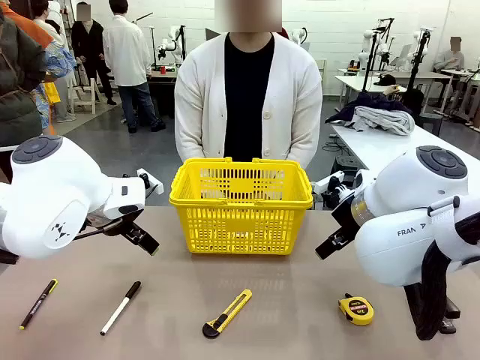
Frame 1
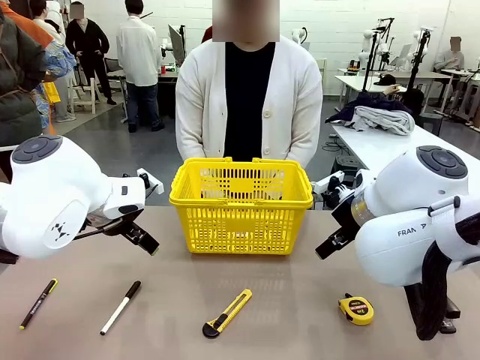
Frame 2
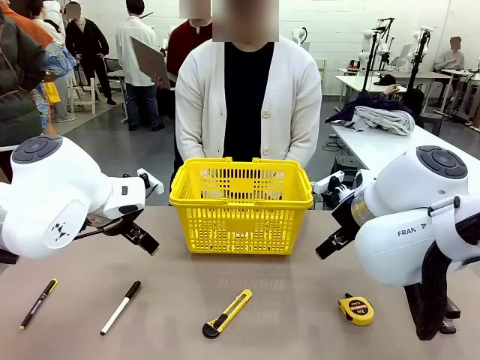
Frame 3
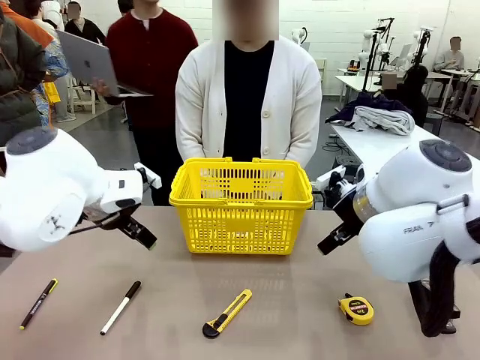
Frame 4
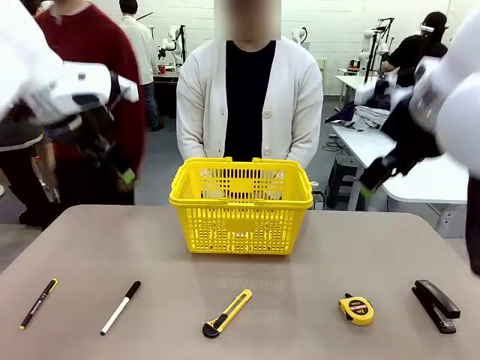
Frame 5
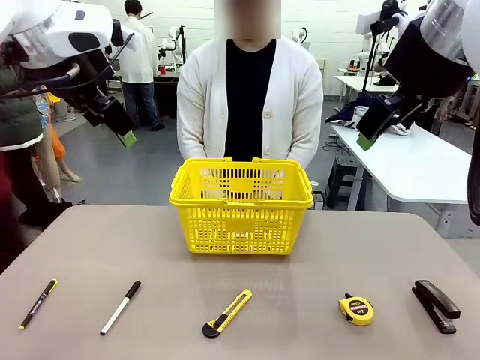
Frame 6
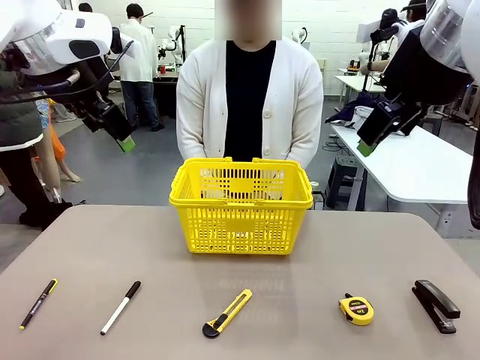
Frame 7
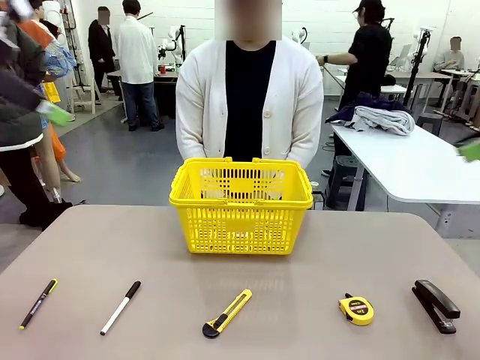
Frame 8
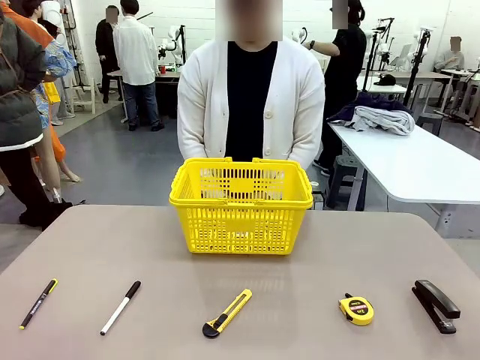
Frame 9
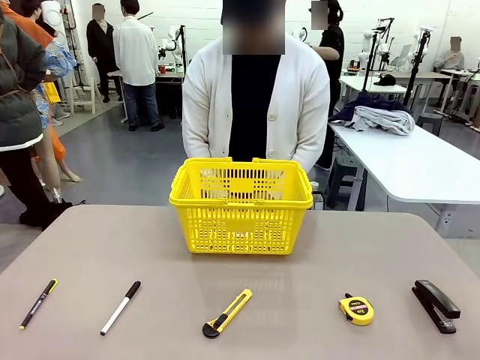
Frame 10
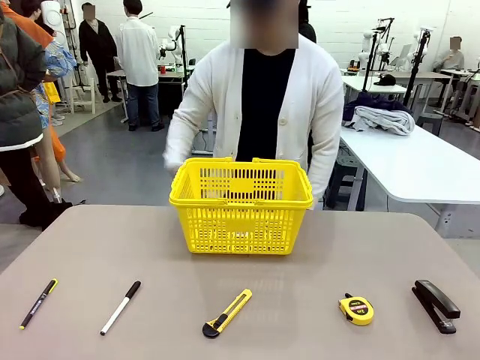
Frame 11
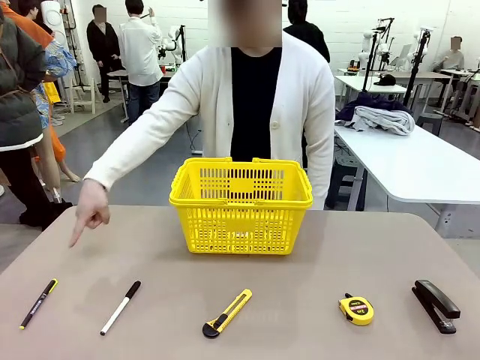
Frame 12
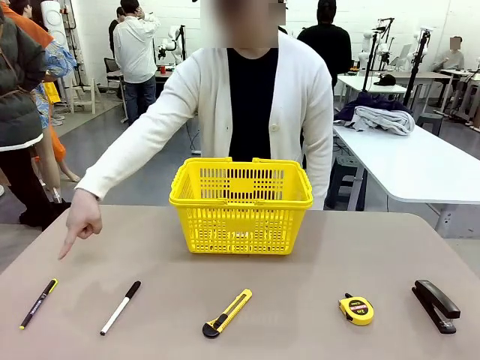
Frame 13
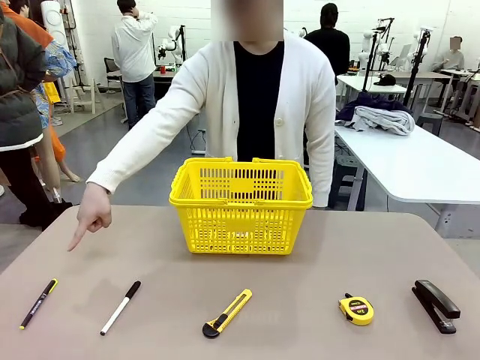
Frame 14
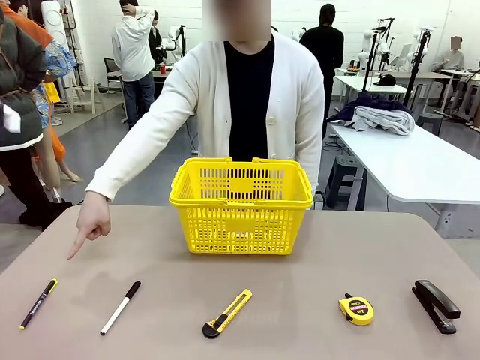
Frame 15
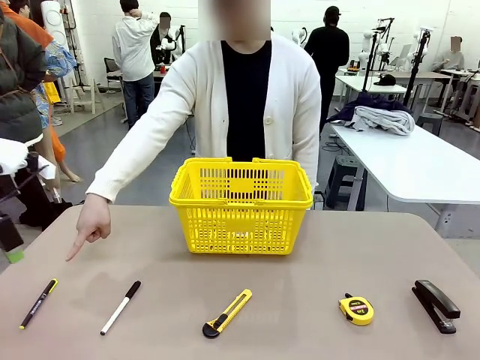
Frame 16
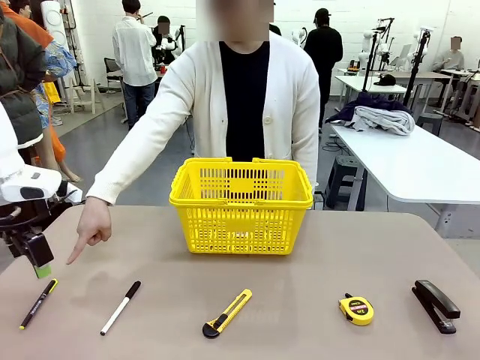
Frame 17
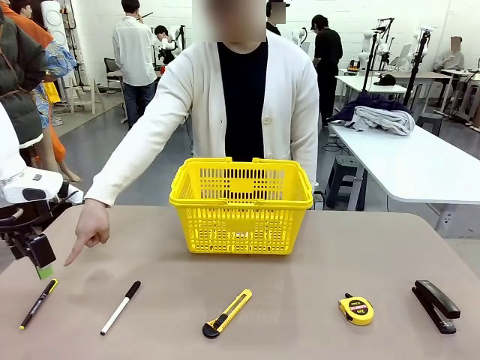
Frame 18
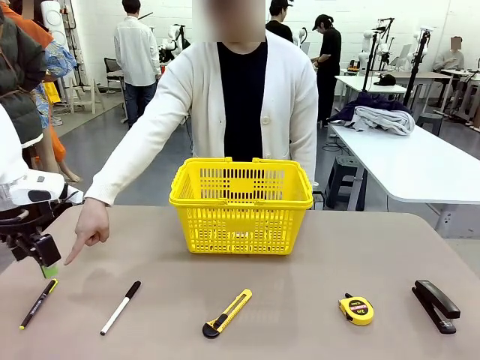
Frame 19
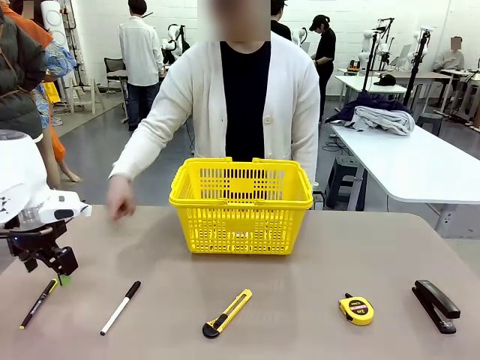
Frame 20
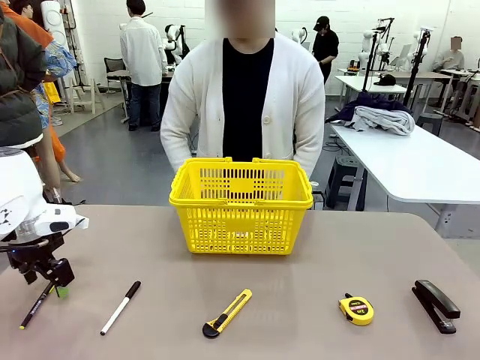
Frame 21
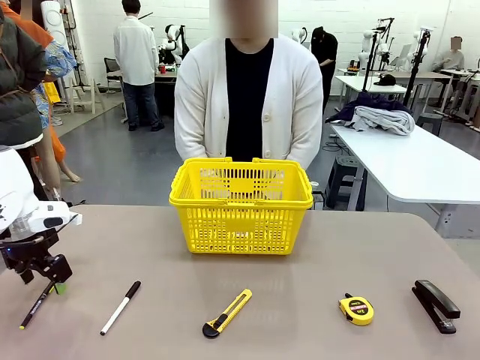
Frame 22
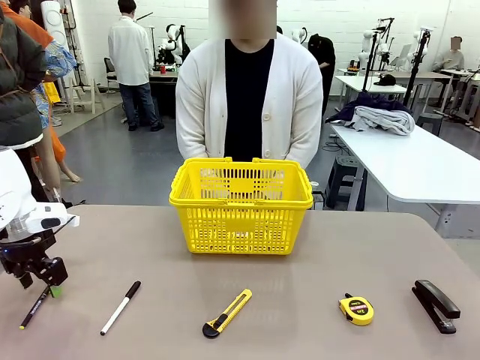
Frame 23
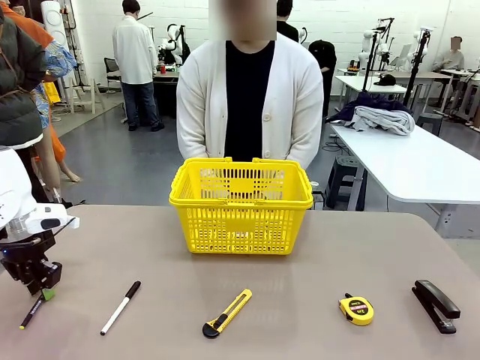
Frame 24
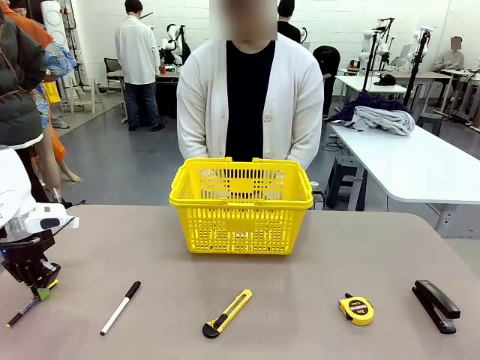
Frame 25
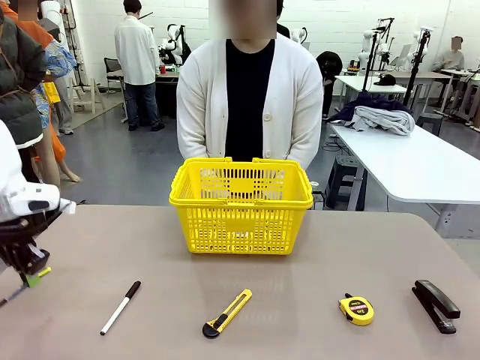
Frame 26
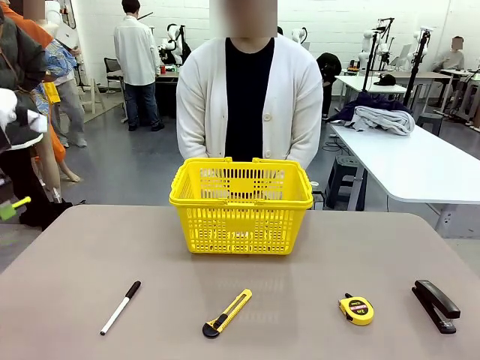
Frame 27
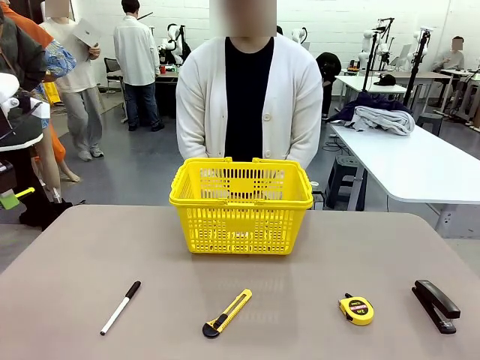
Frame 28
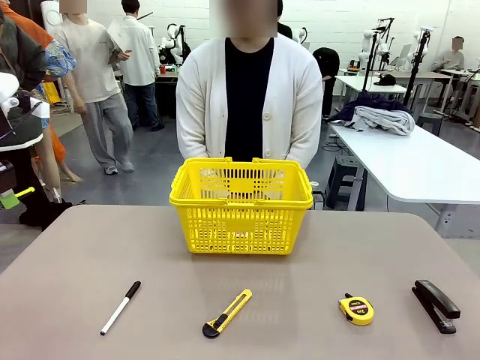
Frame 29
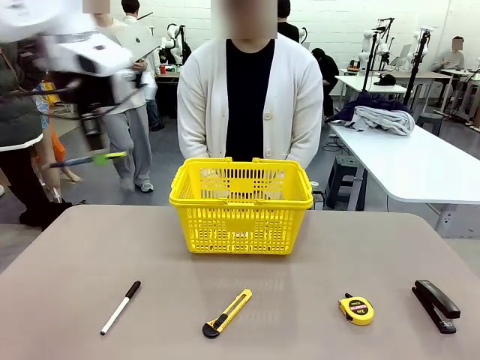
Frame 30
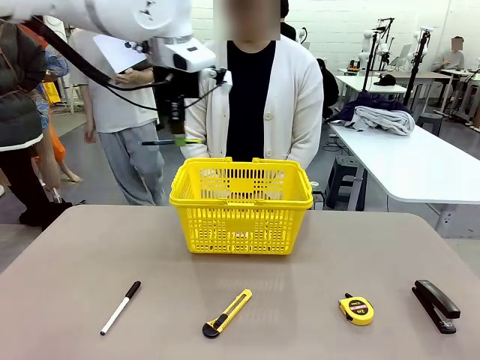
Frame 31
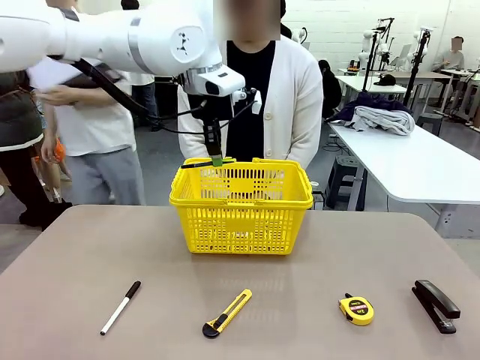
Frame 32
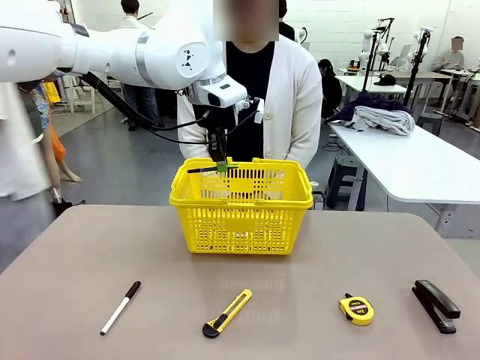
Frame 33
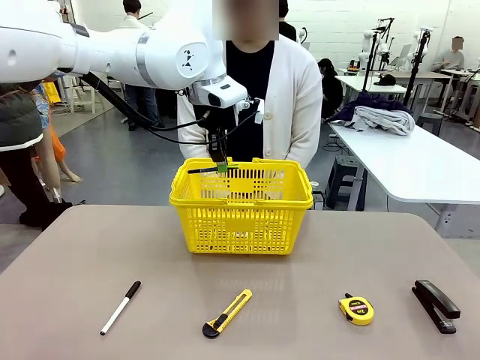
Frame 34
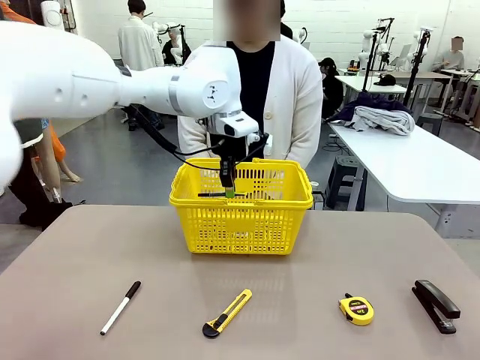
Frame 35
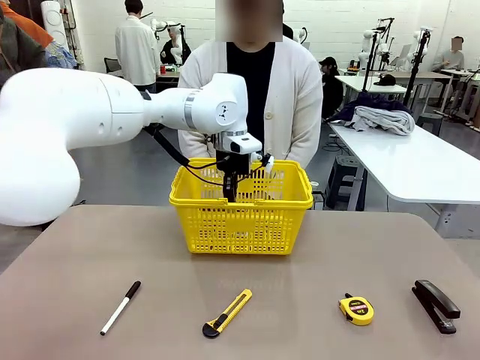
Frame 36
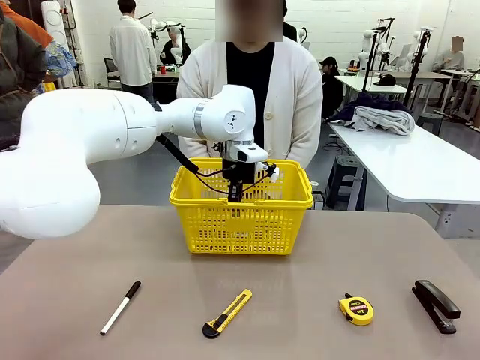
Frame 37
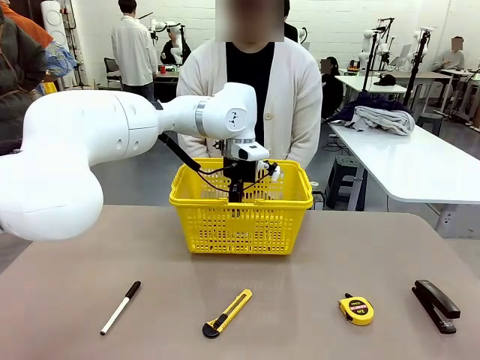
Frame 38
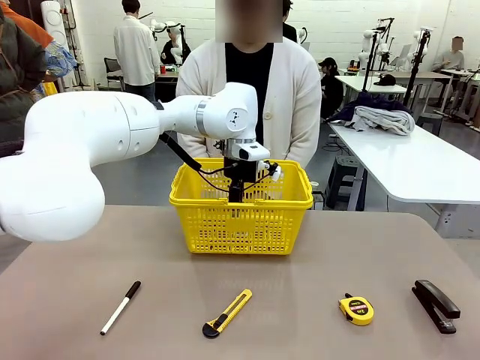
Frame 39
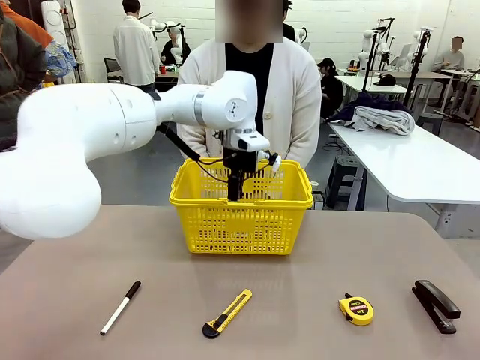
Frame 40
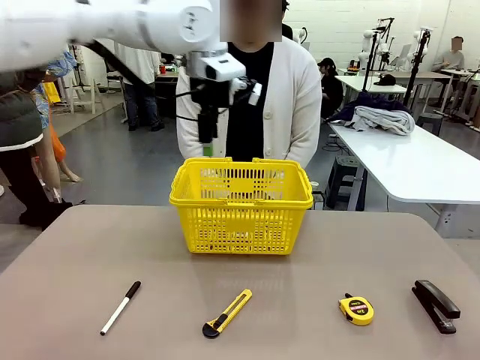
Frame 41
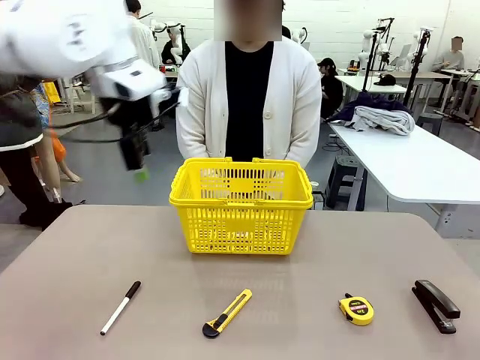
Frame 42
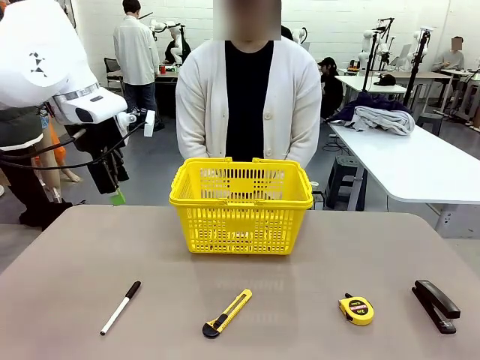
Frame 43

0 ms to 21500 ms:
Task: Place the items the person wants into the basket.
Robot: Pick up the item the person points to and place it in the Market Basket.
